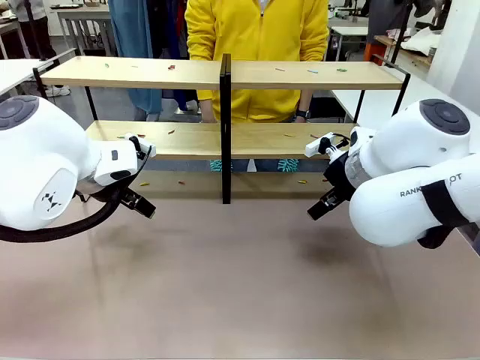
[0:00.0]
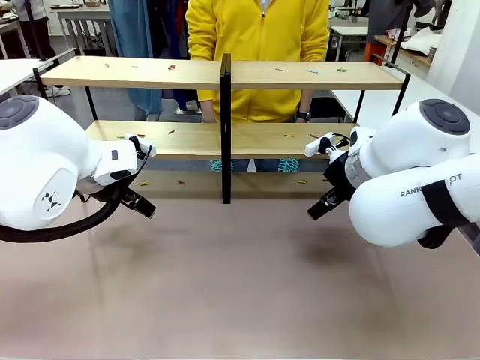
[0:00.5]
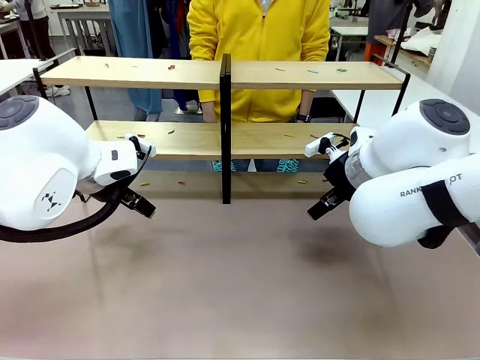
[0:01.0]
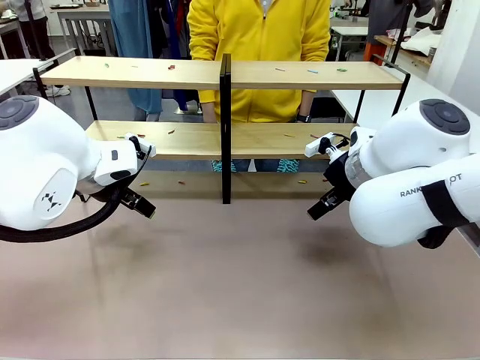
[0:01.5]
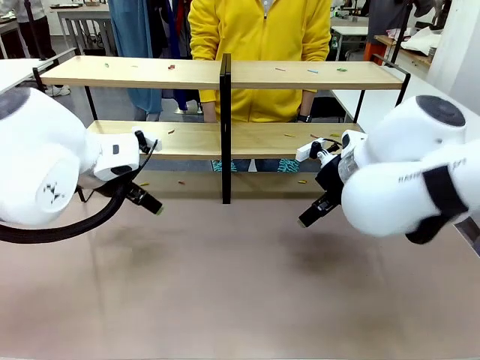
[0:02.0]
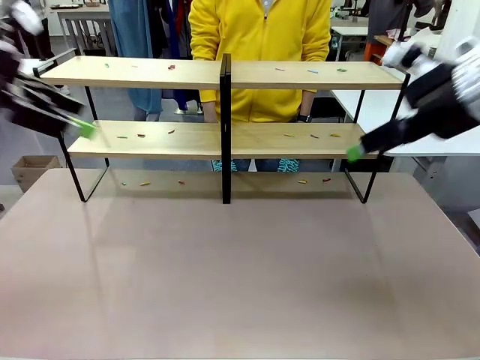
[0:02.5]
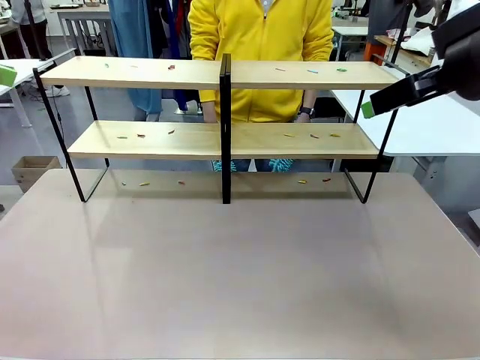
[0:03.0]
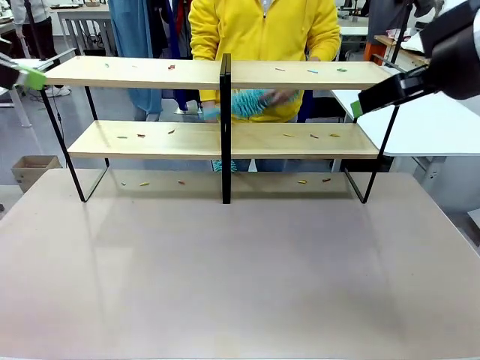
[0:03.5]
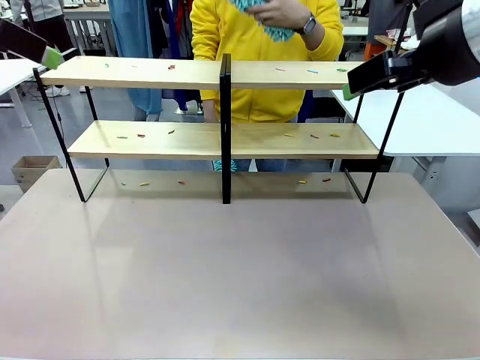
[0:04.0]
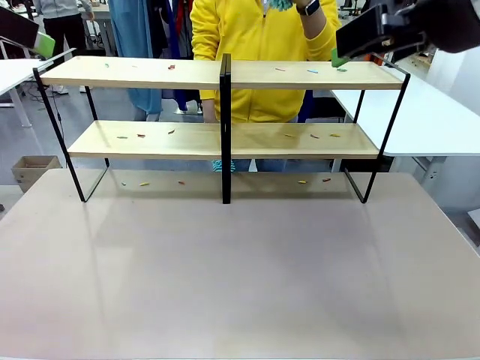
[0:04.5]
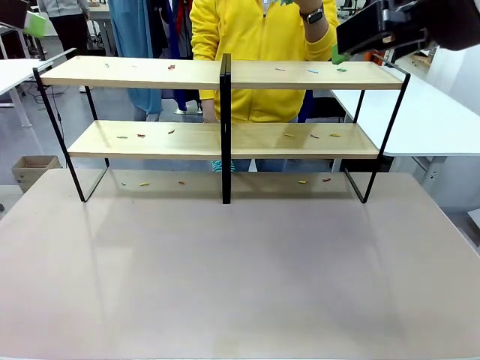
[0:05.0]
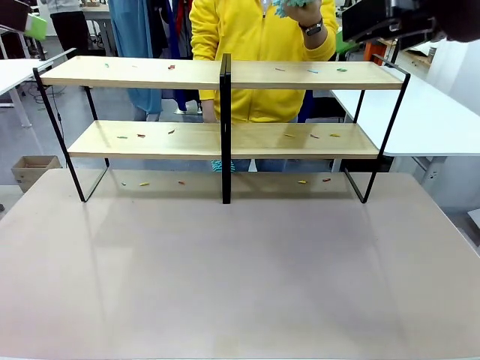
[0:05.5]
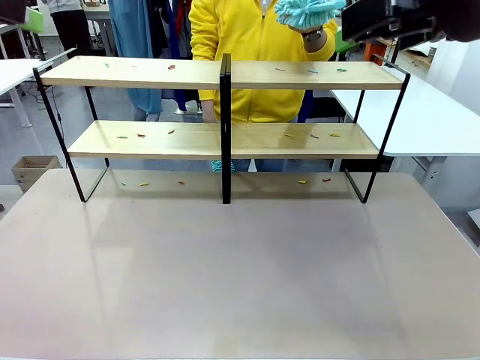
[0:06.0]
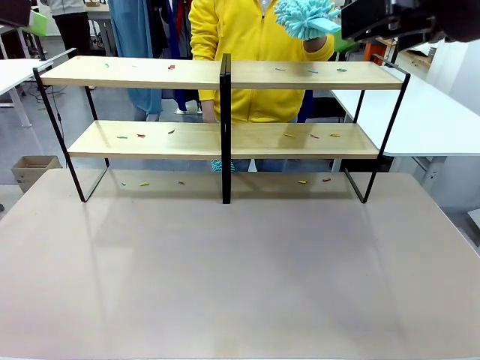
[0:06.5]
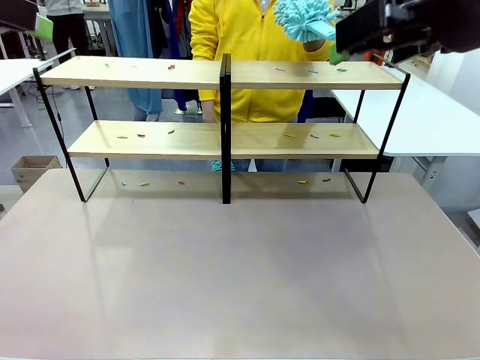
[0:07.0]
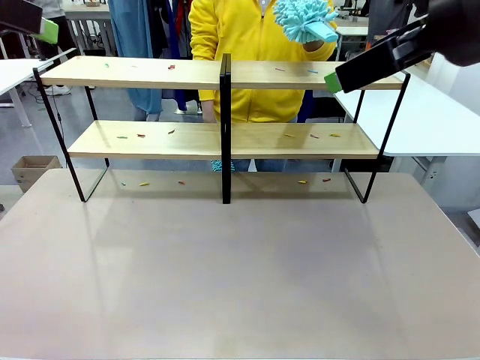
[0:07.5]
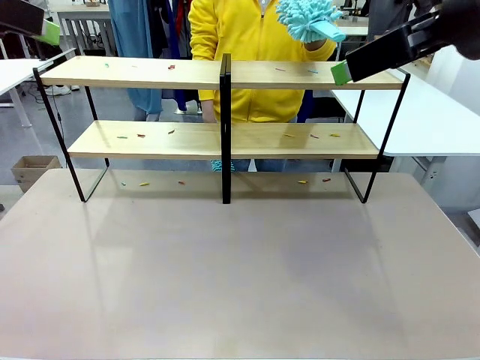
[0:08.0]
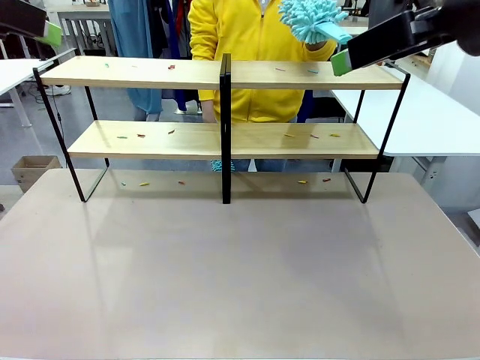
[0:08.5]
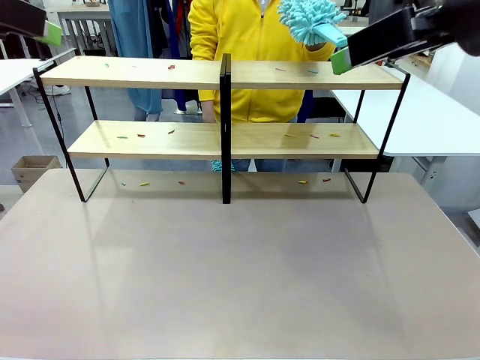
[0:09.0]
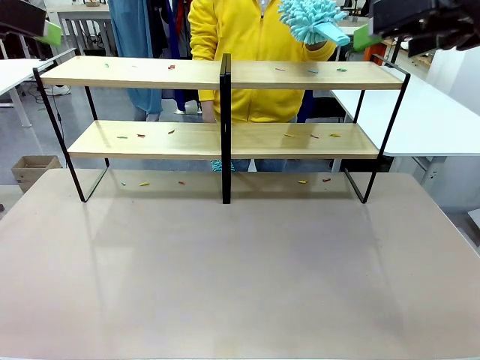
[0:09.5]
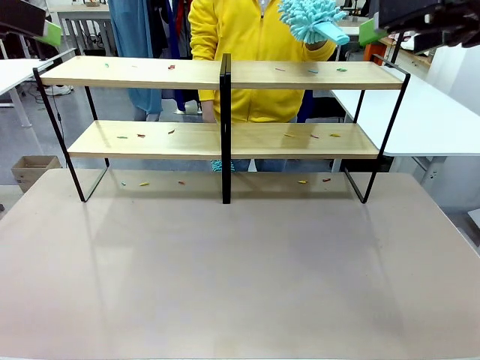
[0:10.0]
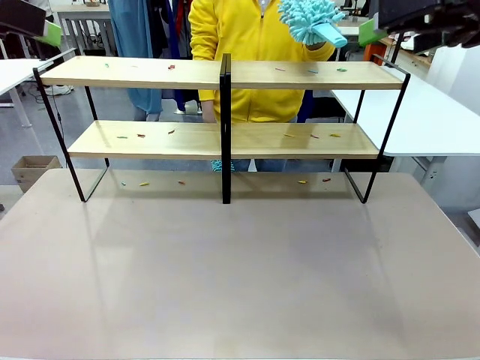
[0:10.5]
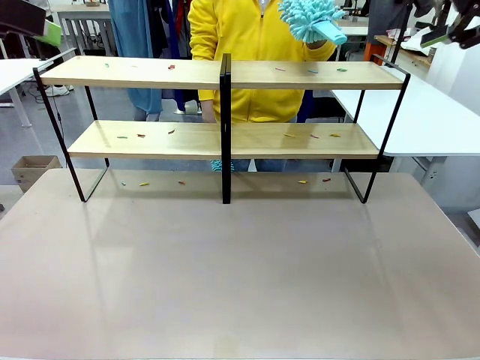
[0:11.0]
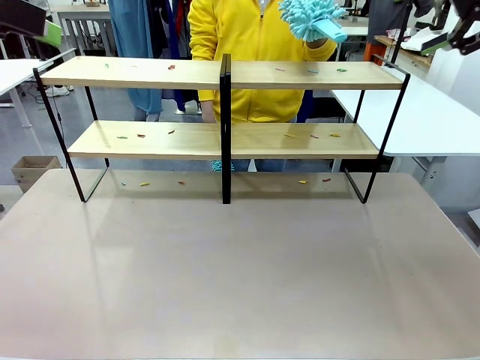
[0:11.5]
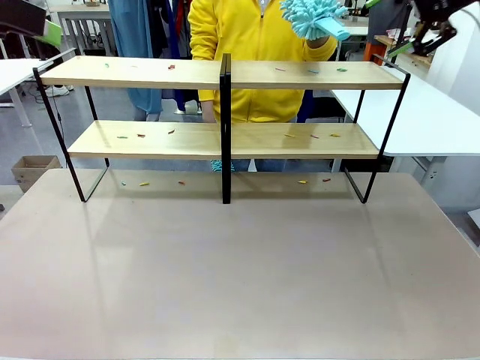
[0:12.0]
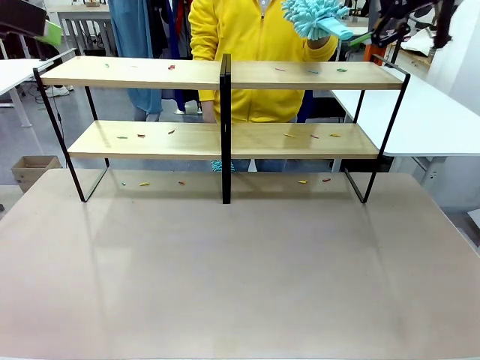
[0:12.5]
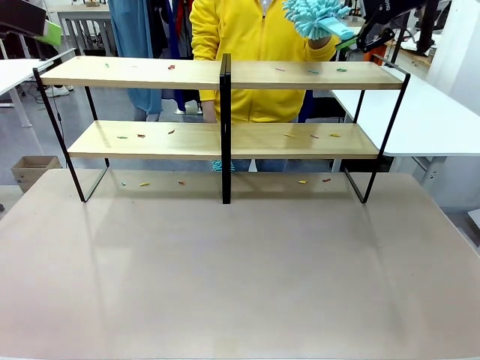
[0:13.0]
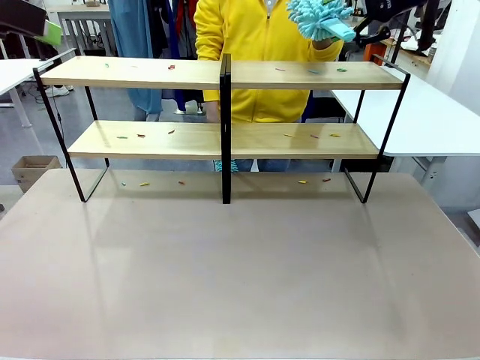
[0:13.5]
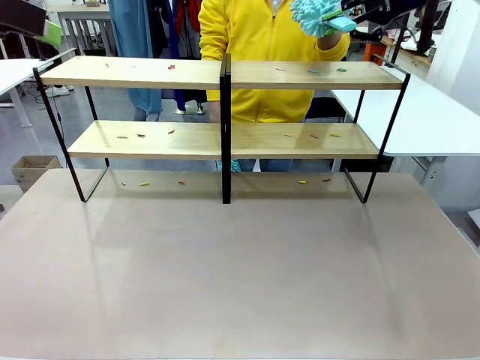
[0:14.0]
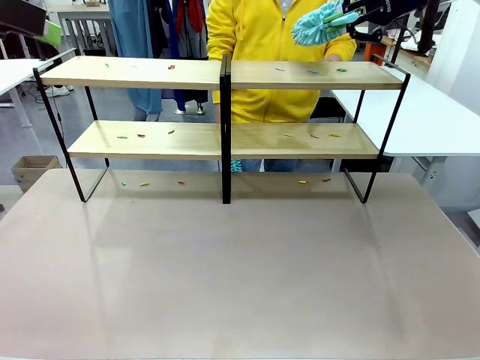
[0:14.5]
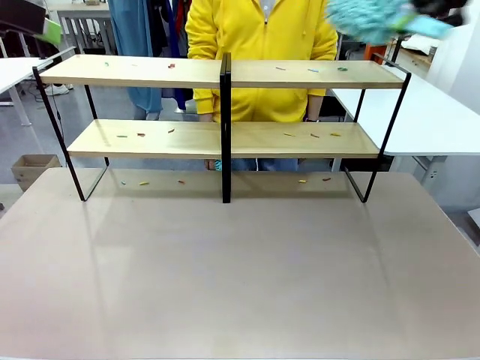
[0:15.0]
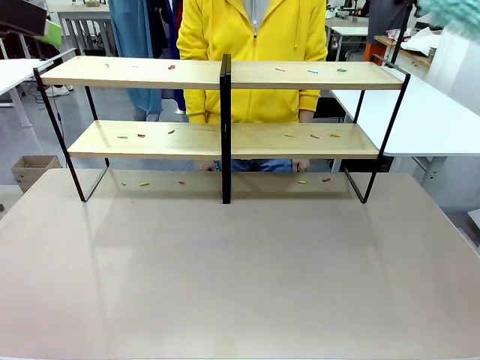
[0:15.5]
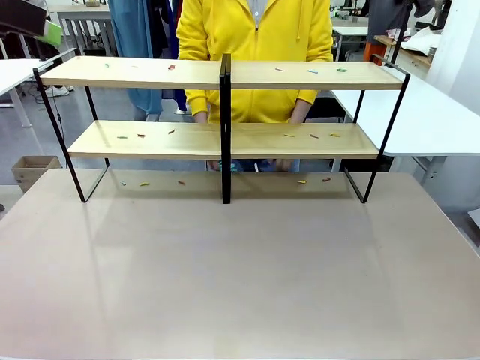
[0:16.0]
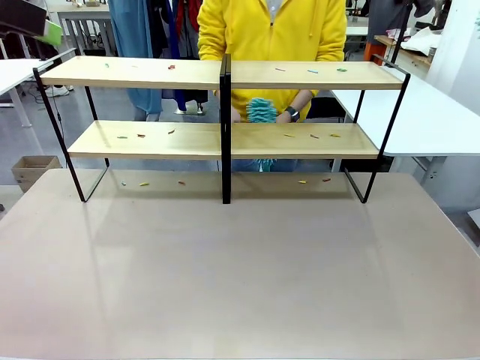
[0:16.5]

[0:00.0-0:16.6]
Task: Clean the shelves.
Robot: Pick up the Duster when the human hands it over.
Person: Hand the Duster to the robot with your right (or left) hand.

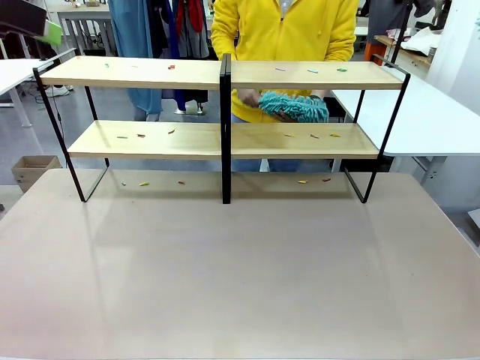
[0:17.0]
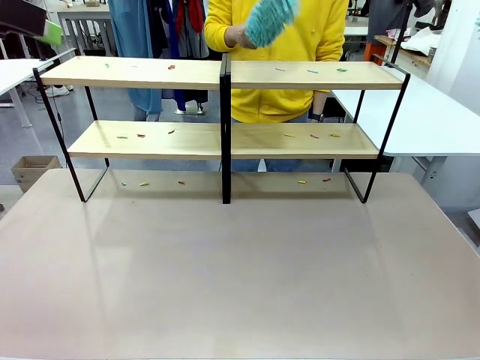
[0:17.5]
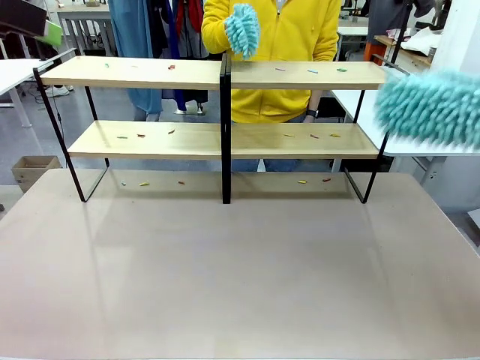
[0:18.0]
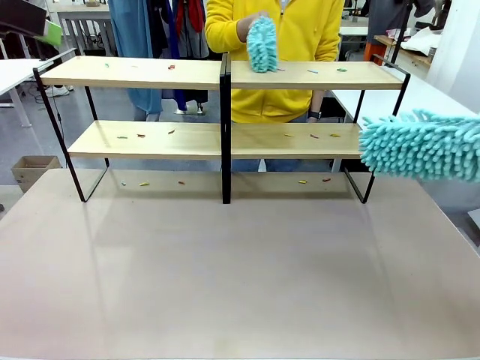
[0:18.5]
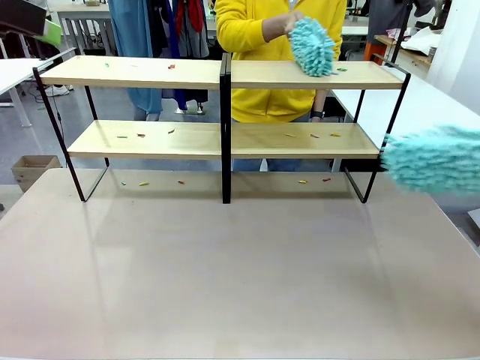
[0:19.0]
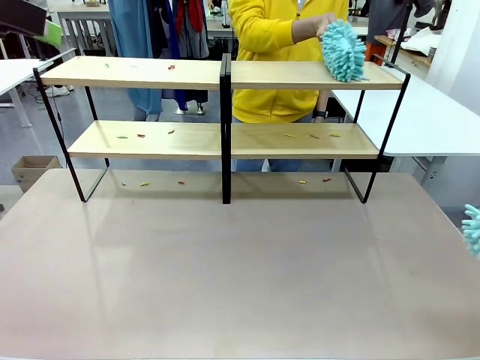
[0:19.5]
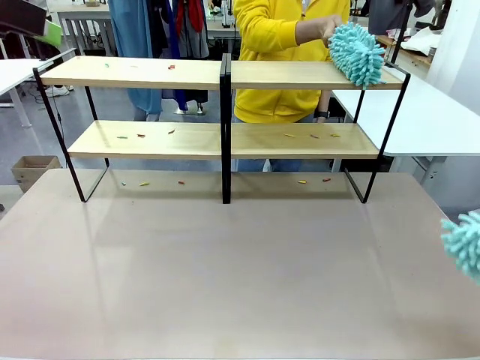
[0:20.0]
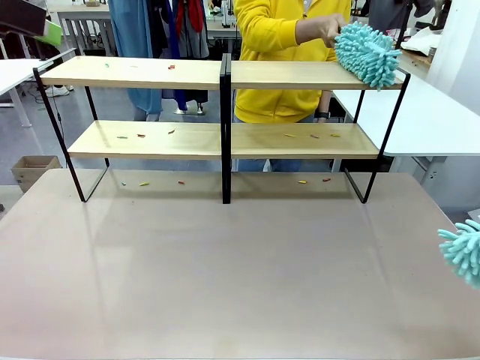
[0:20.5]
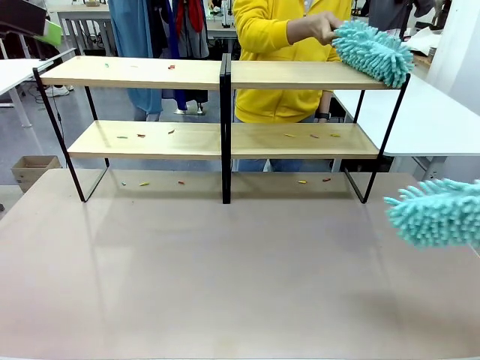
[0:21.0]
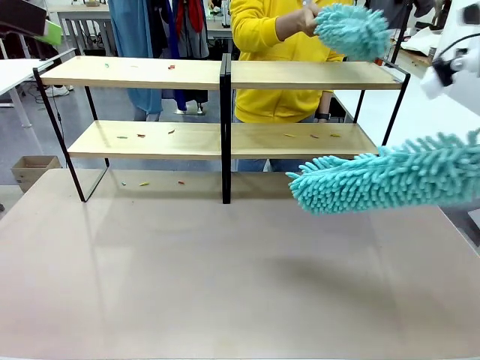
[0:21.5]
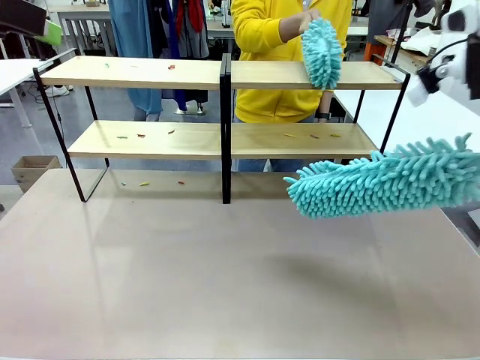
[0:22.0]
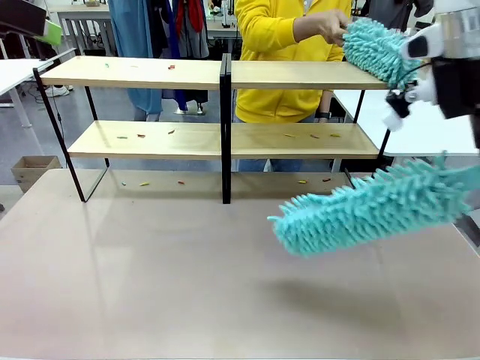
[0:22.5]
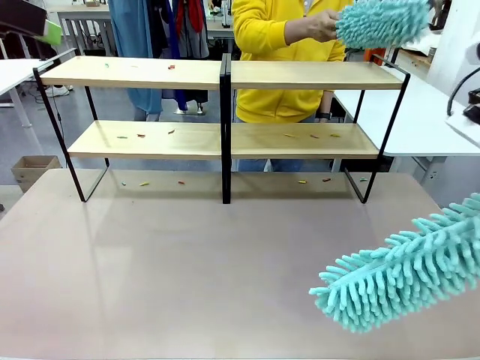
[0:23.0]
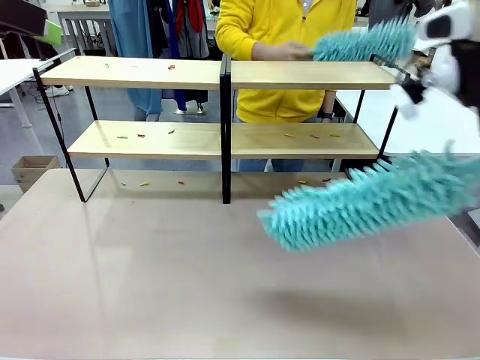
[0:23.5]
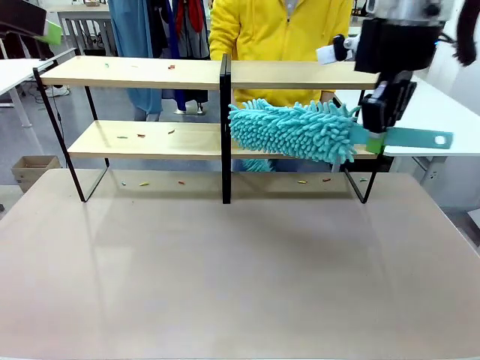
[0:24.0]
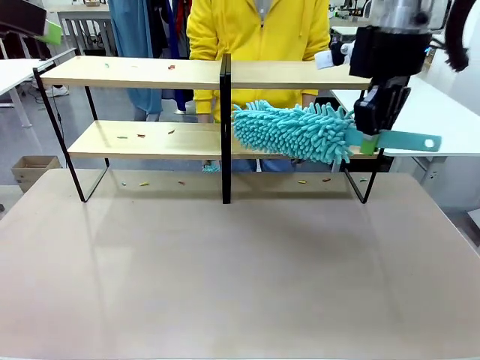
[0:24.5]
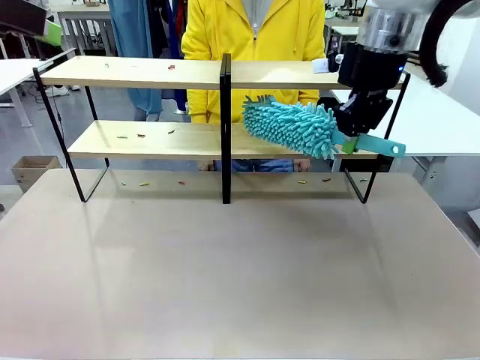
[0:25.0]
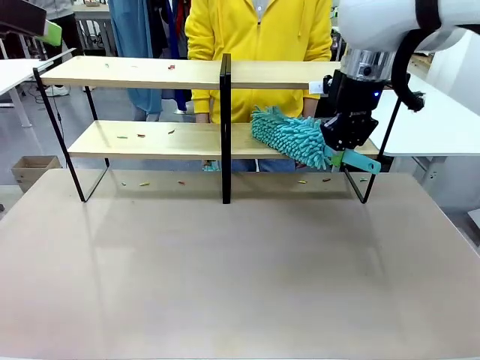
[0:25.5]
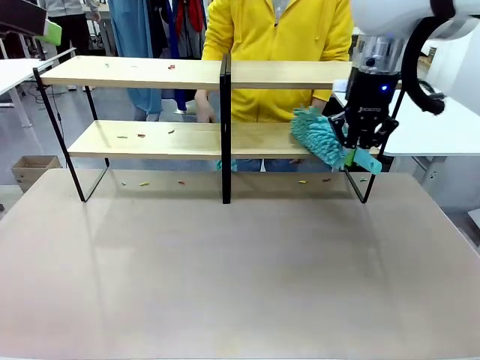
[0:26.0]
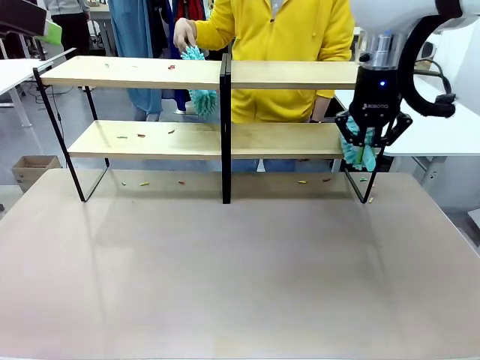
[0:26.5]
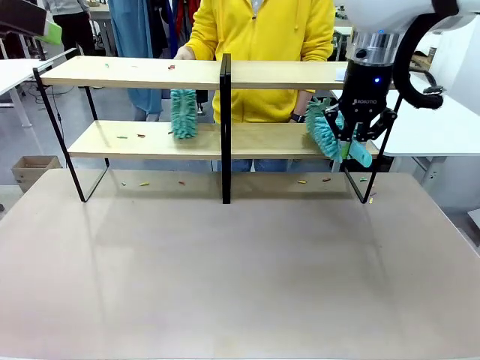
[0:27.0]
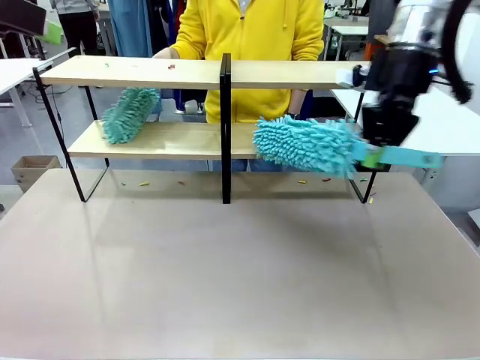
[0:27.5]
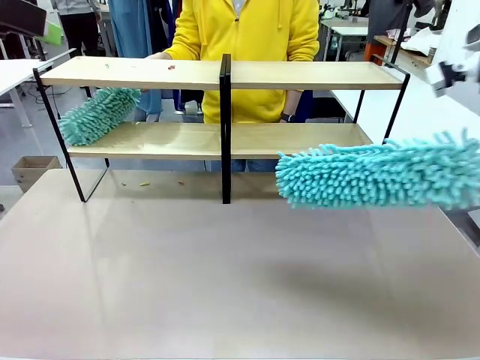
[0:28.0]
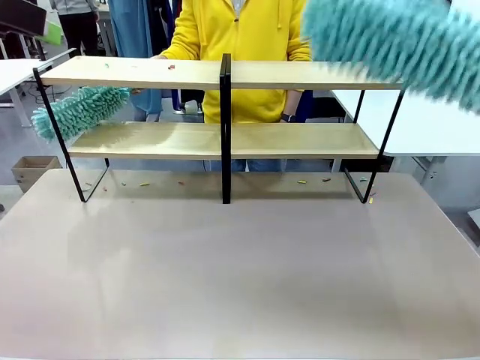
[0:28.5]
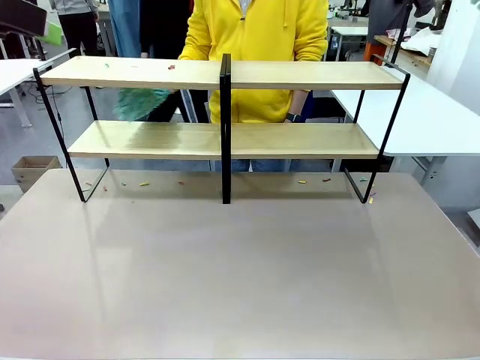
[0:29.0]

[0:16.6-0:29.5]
Robot: Clean a randomly selected level of the Shelf with the Duster.
